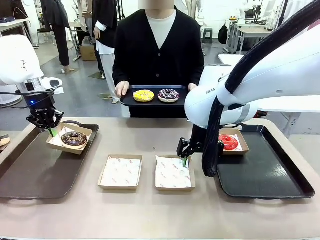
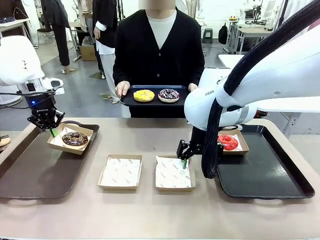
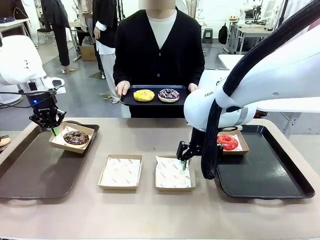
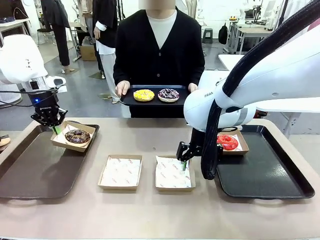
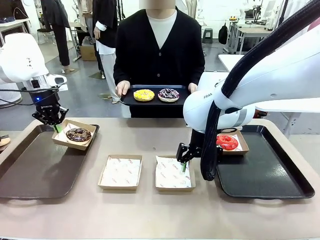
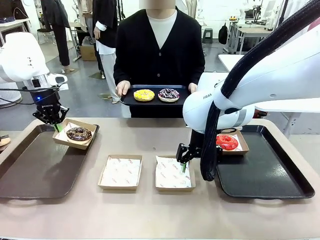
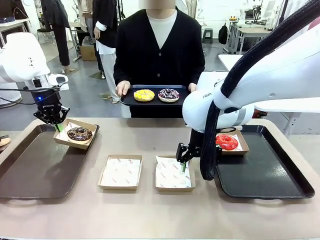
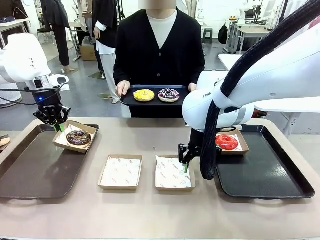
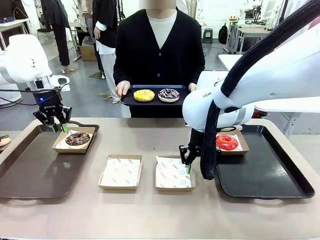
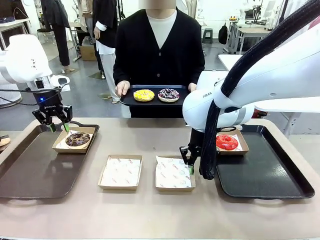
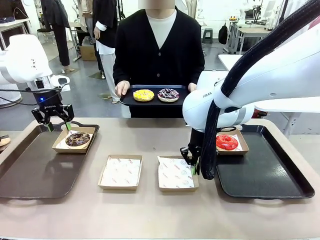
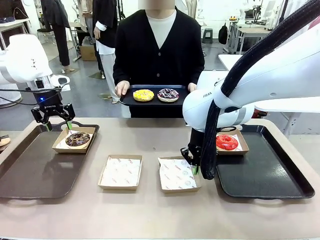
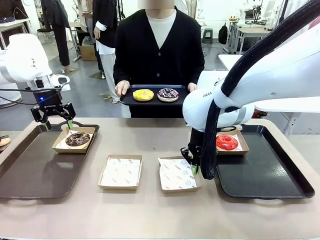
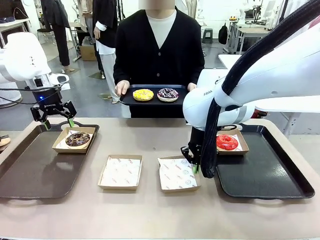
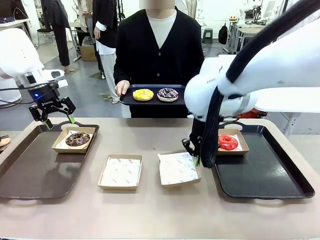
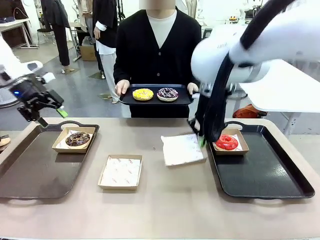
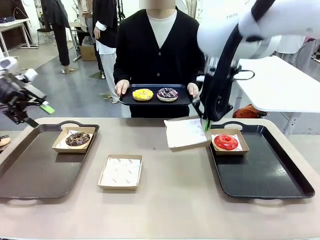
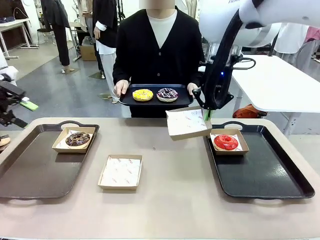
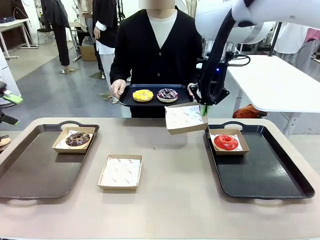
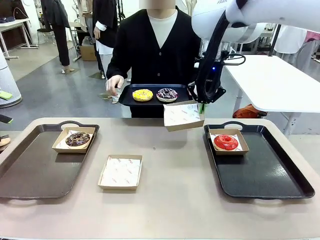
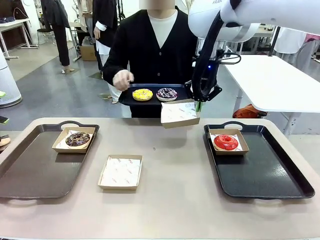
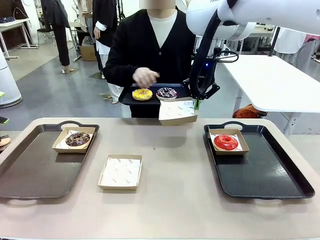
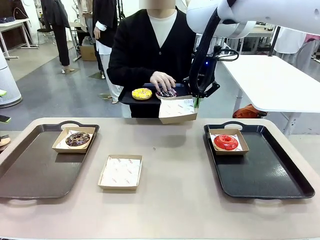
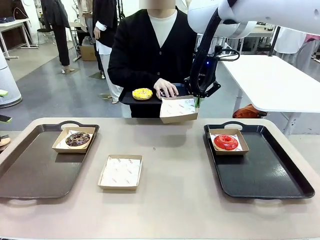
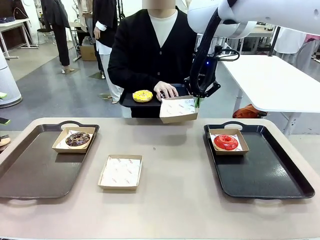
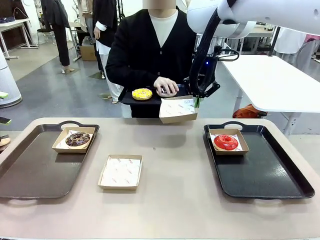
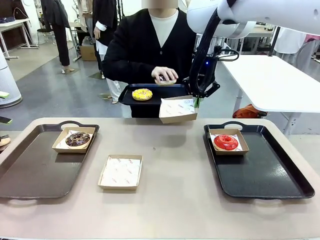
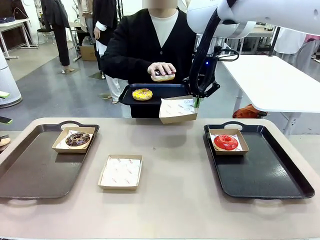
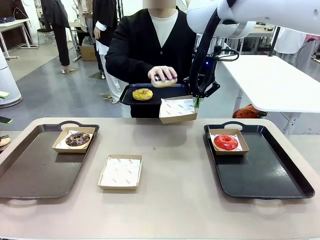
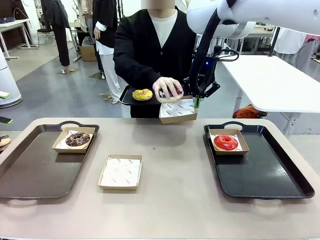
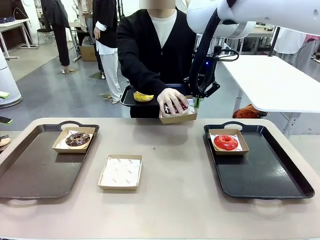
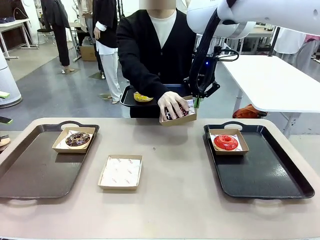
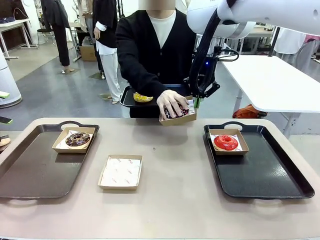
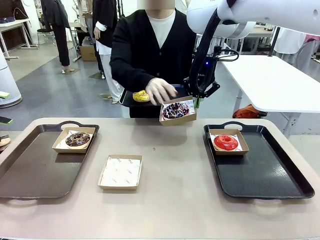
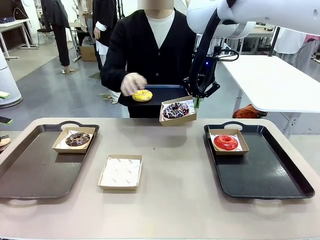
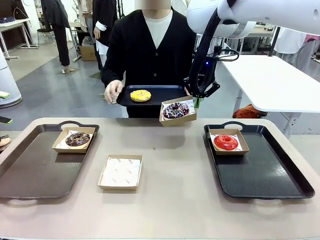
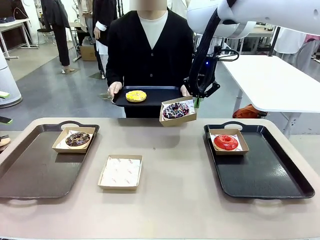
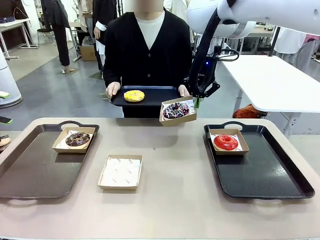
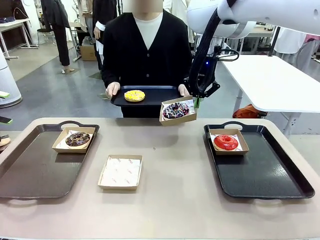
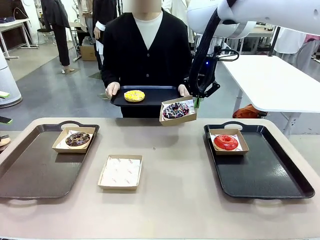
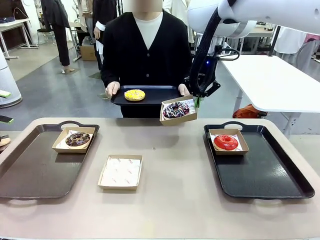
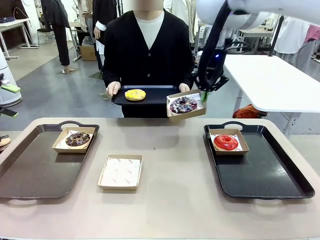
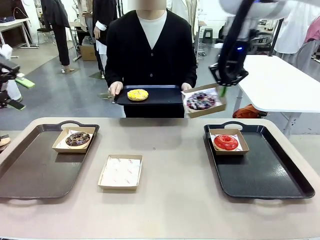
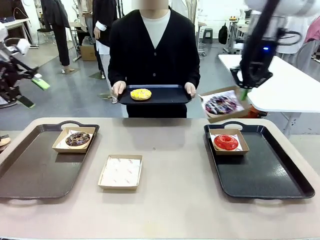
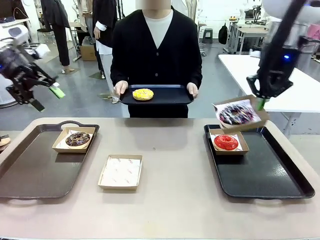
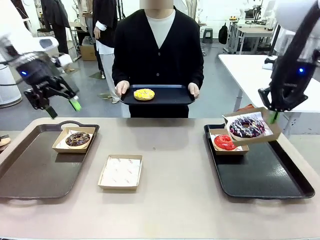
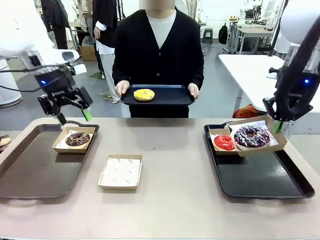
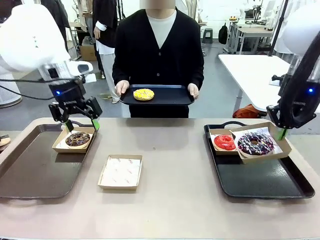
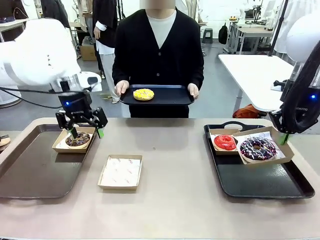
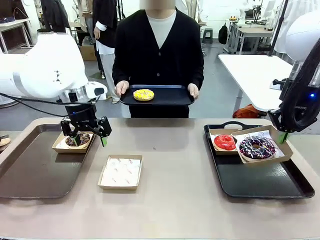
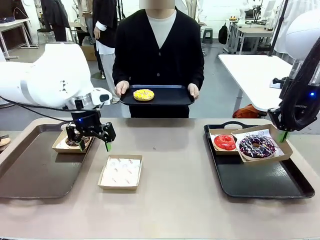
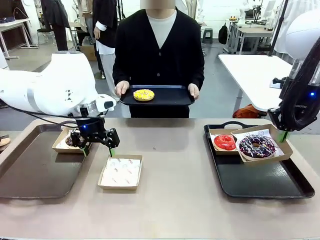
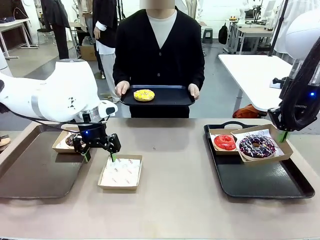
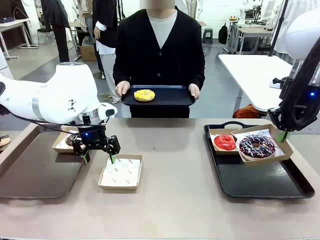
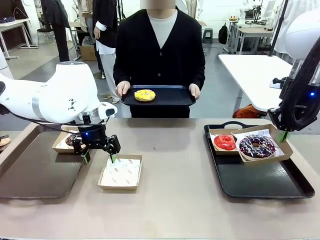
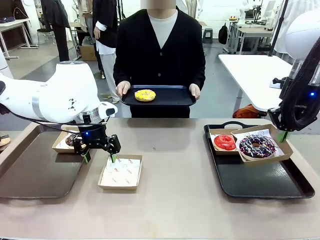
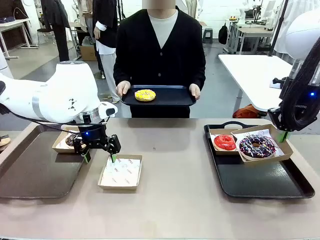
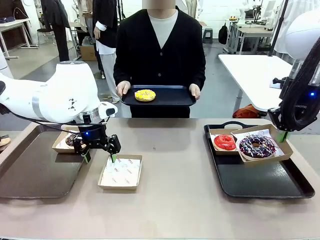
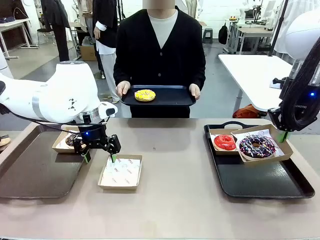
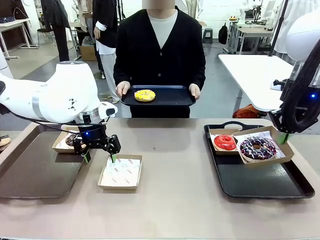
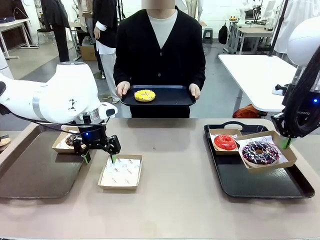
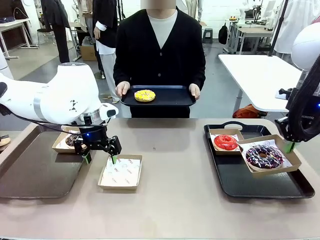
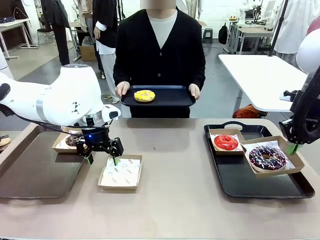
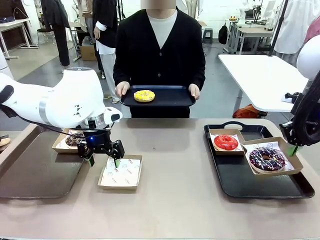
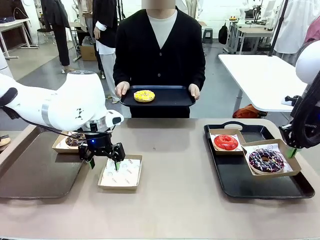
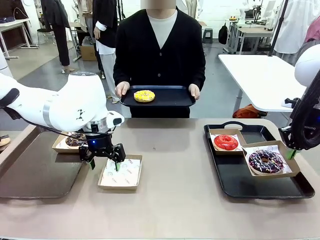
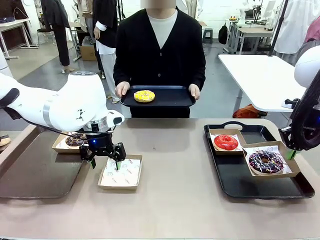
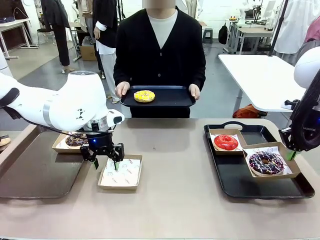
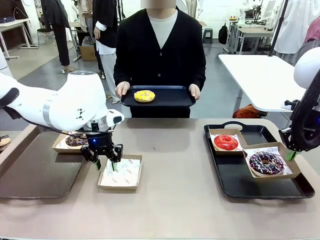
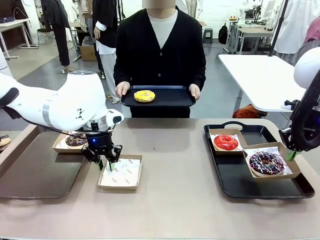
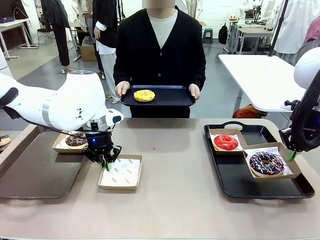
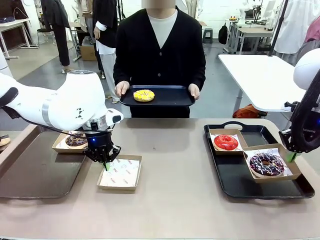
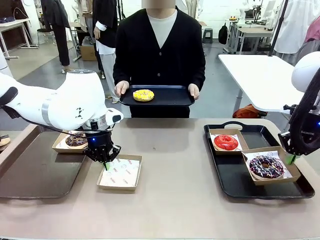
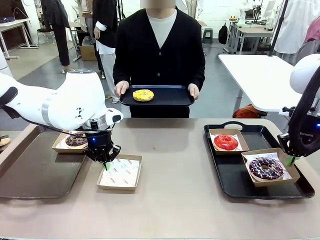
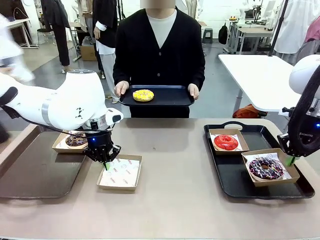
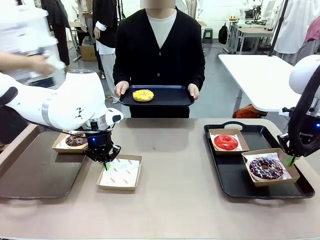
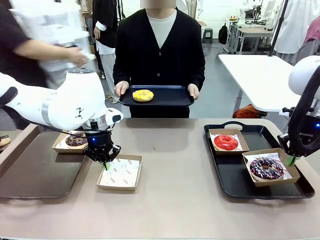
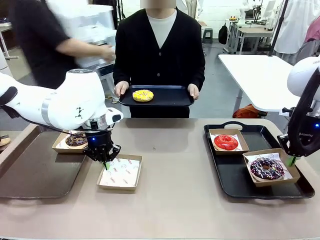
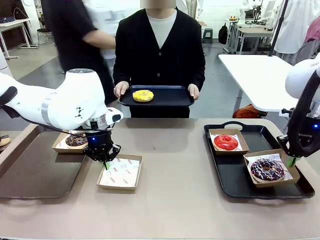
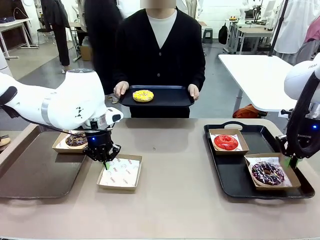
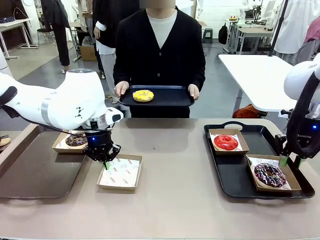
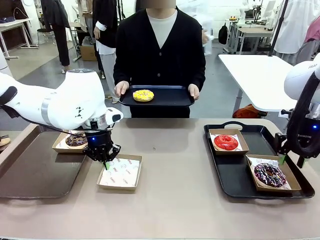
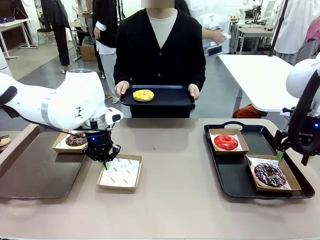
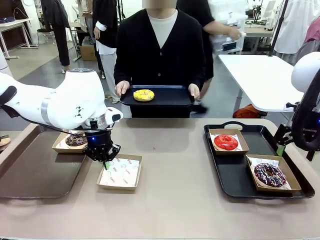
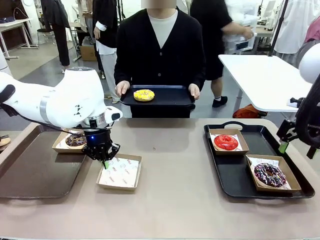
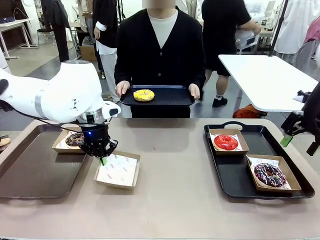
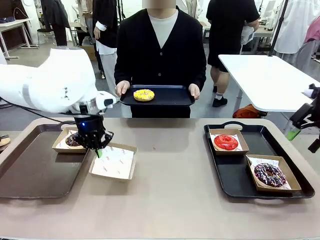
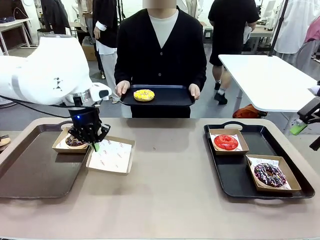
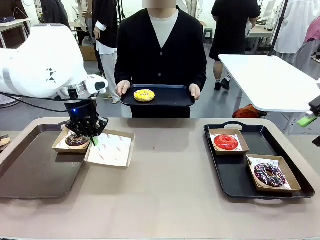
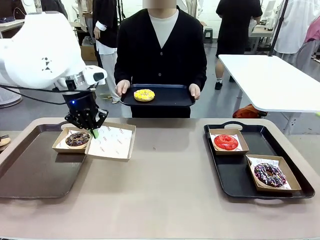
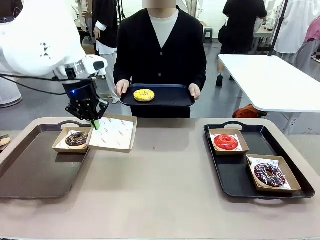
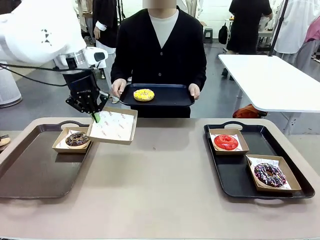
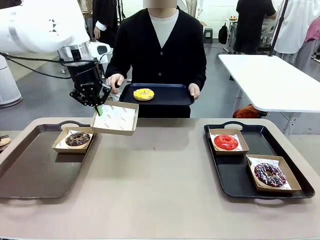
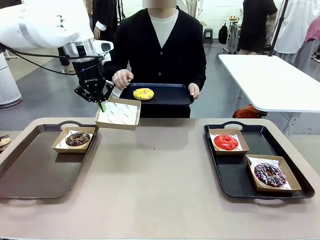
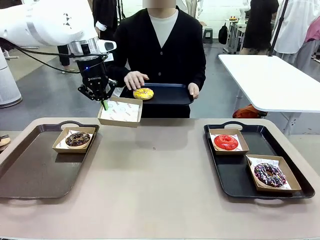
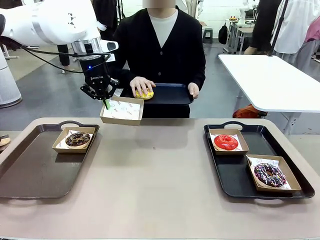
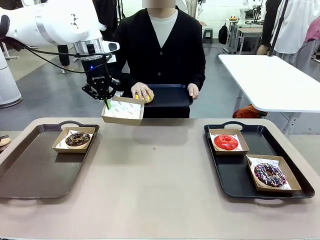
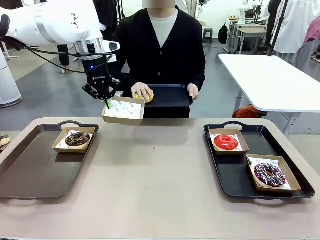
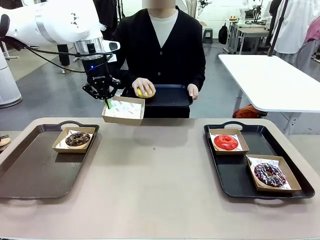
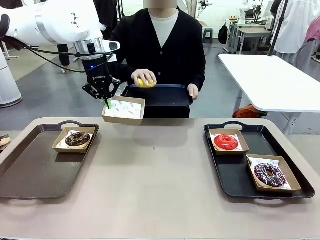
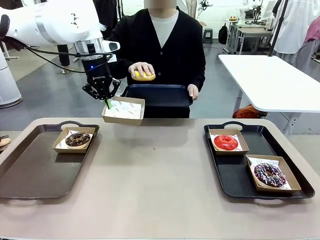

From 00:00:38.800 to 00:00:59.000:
Task: Individually package the donuts and arrange them on the tray.
Robot: Place the picked Paper togo box on the Handle tray while simultaneously picking up another Paper togo box from the table with the other hand.
